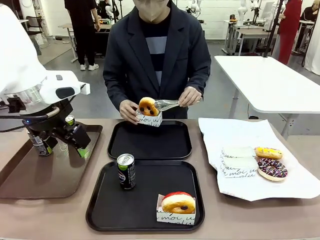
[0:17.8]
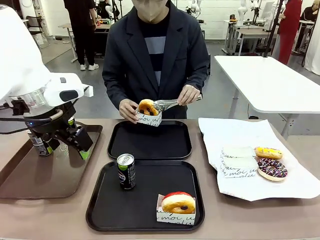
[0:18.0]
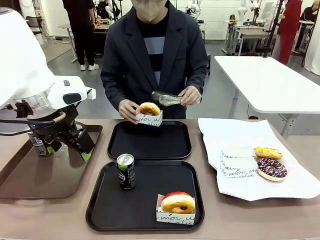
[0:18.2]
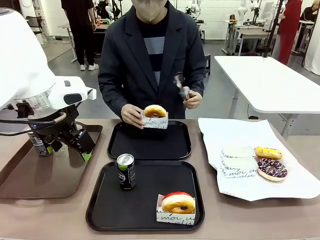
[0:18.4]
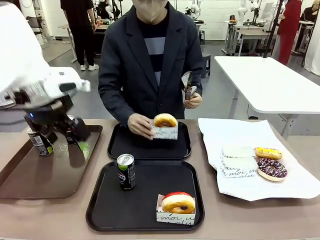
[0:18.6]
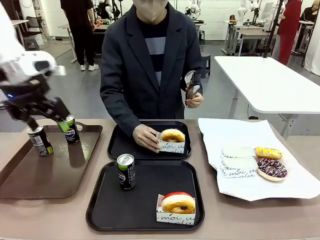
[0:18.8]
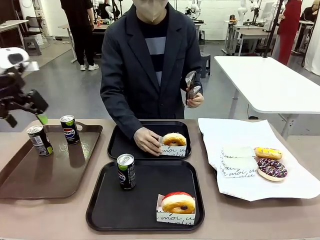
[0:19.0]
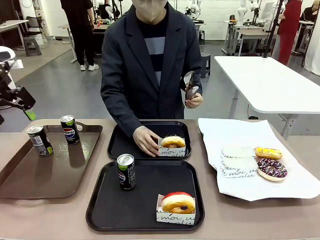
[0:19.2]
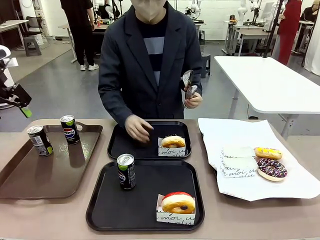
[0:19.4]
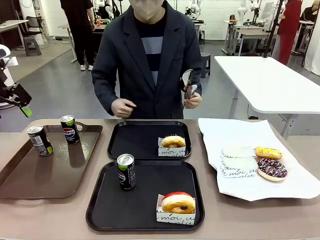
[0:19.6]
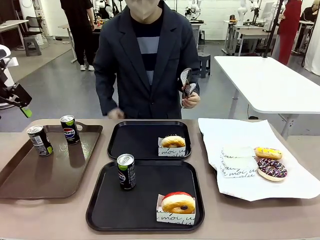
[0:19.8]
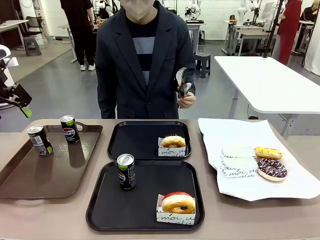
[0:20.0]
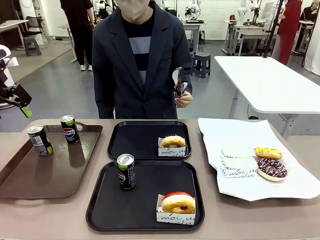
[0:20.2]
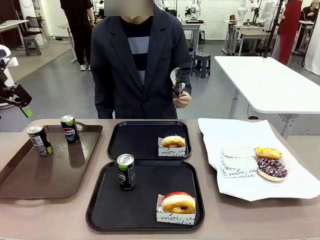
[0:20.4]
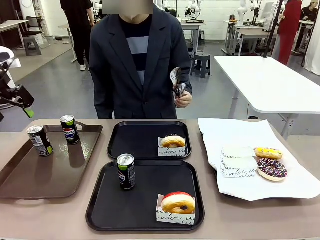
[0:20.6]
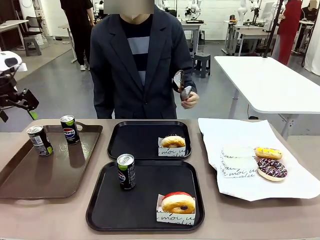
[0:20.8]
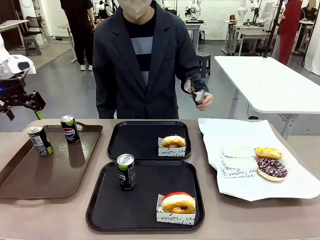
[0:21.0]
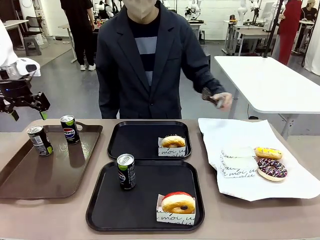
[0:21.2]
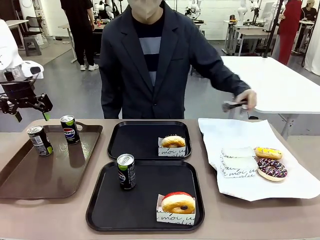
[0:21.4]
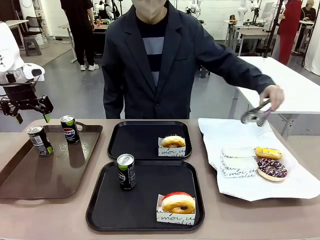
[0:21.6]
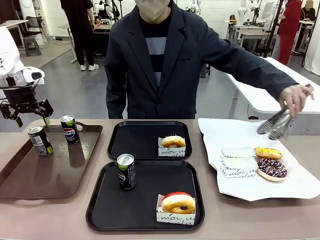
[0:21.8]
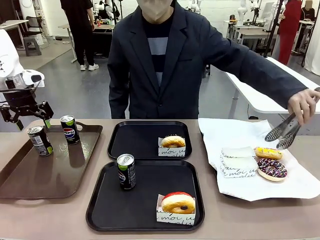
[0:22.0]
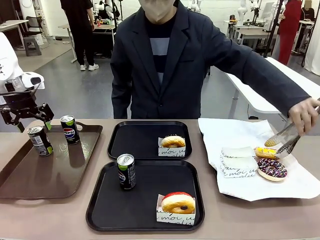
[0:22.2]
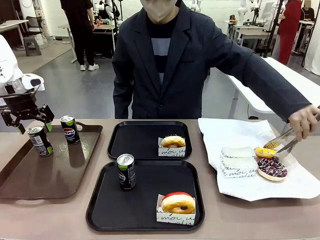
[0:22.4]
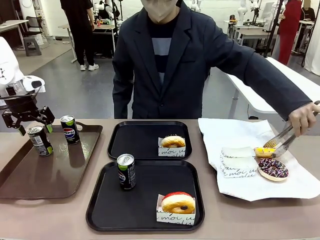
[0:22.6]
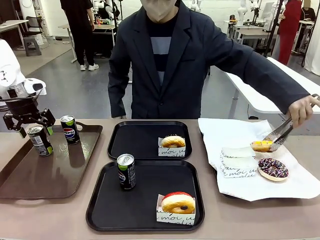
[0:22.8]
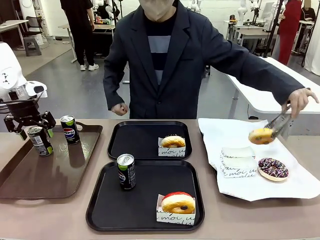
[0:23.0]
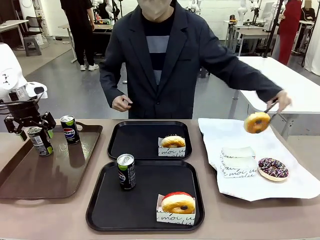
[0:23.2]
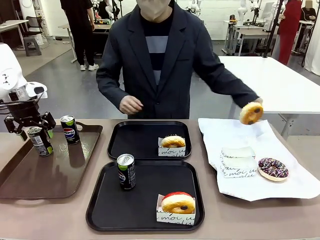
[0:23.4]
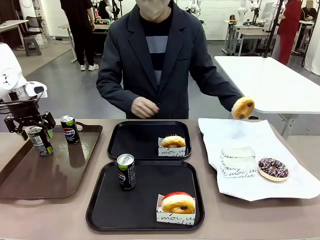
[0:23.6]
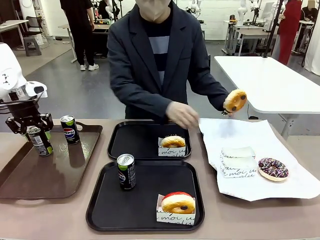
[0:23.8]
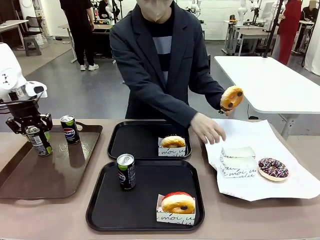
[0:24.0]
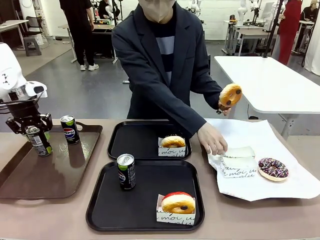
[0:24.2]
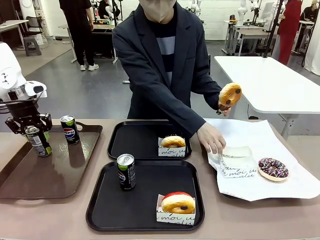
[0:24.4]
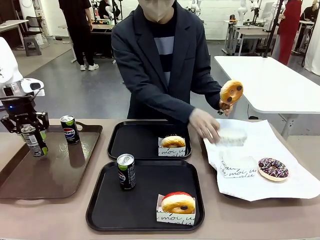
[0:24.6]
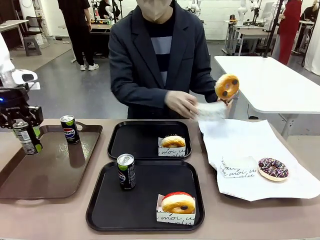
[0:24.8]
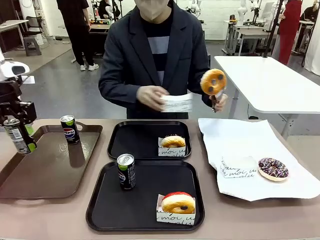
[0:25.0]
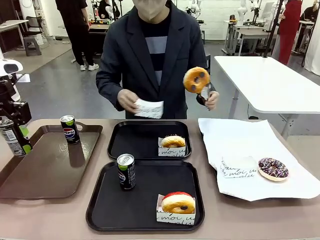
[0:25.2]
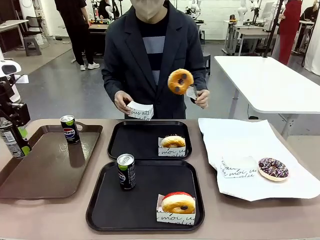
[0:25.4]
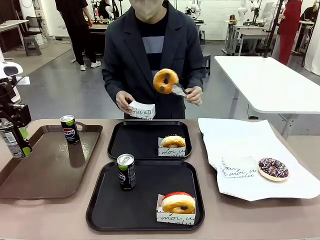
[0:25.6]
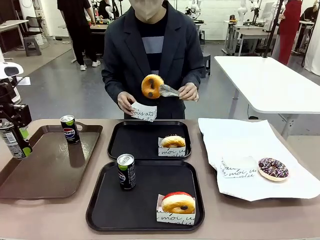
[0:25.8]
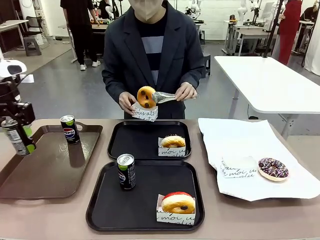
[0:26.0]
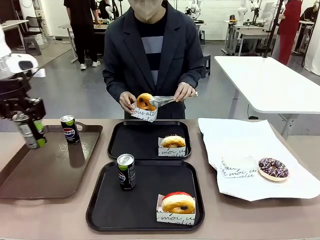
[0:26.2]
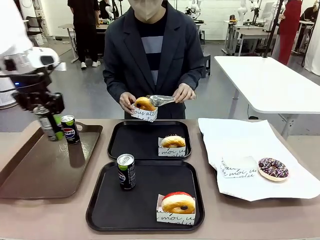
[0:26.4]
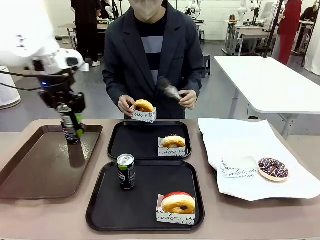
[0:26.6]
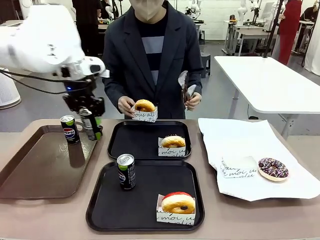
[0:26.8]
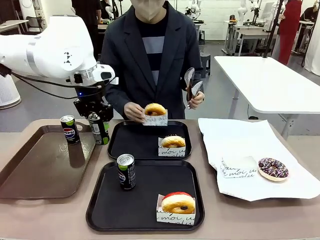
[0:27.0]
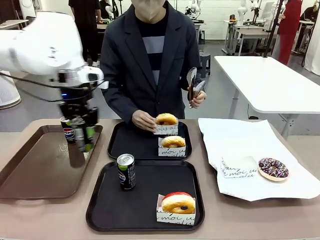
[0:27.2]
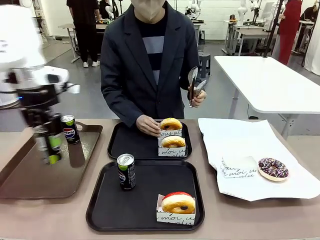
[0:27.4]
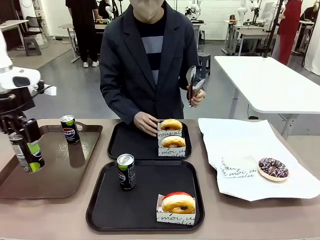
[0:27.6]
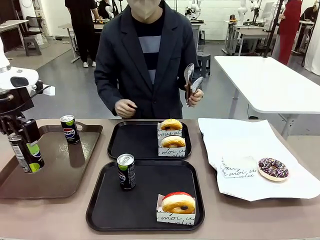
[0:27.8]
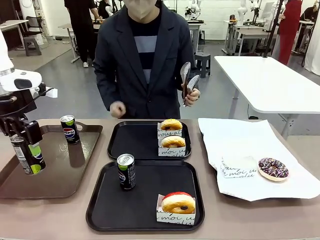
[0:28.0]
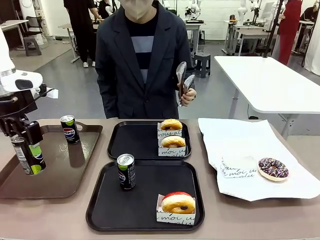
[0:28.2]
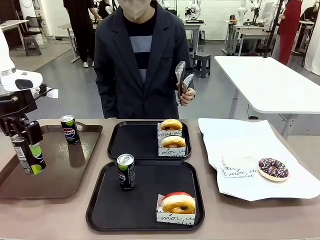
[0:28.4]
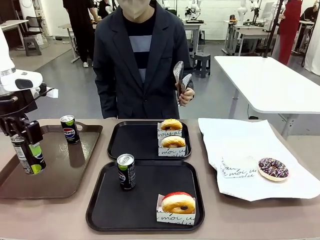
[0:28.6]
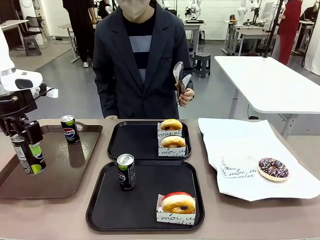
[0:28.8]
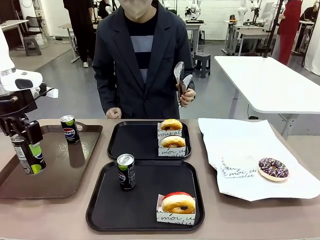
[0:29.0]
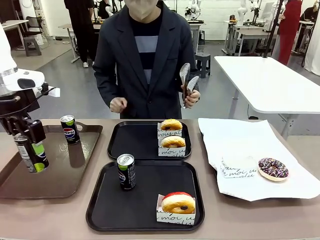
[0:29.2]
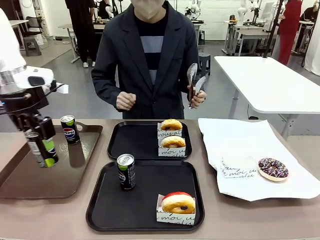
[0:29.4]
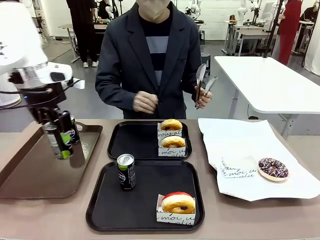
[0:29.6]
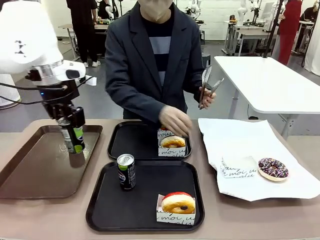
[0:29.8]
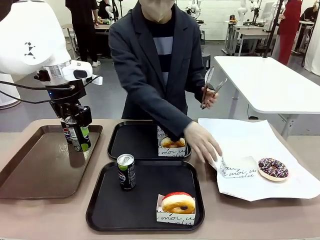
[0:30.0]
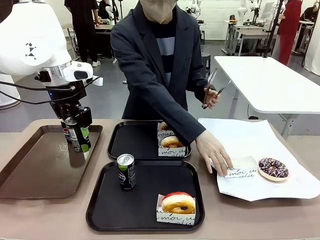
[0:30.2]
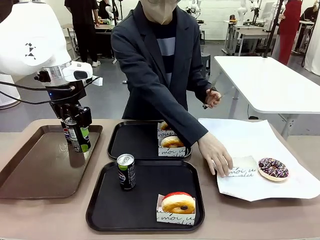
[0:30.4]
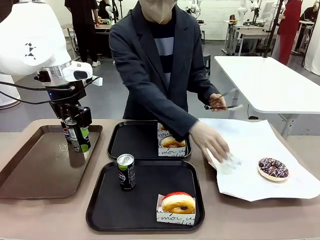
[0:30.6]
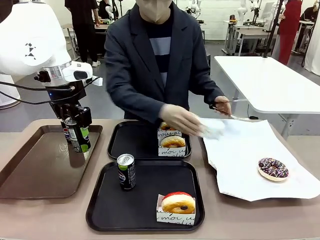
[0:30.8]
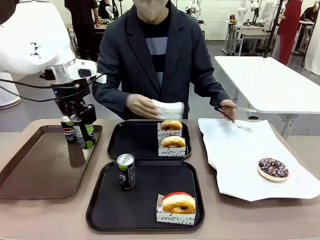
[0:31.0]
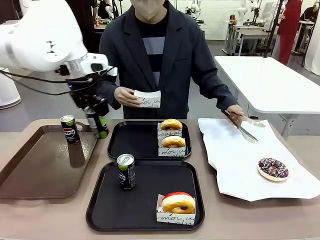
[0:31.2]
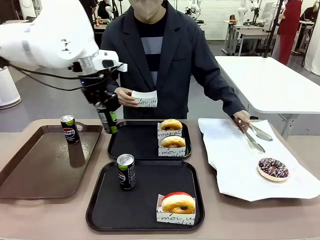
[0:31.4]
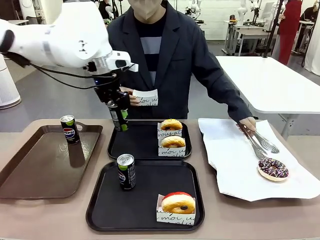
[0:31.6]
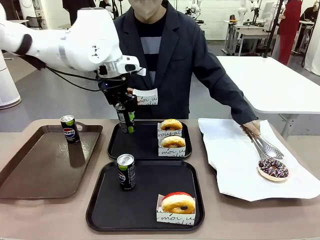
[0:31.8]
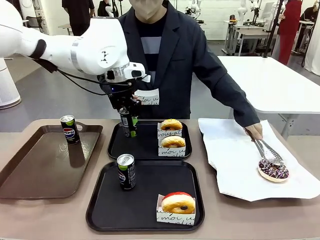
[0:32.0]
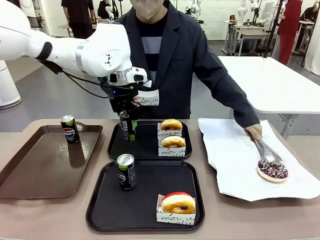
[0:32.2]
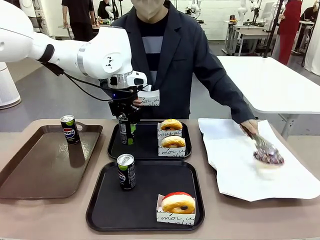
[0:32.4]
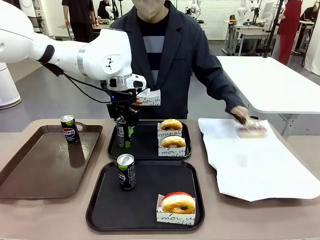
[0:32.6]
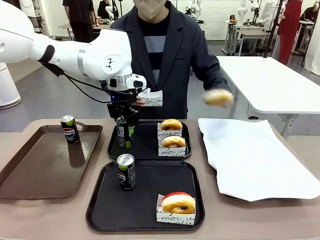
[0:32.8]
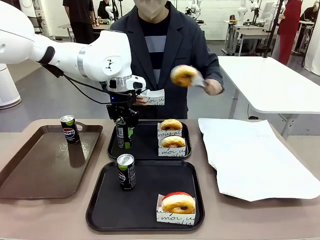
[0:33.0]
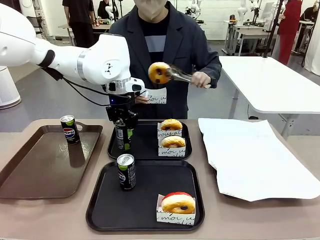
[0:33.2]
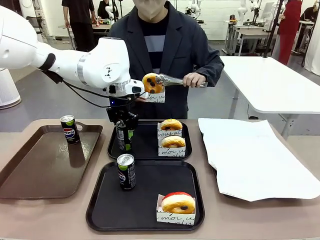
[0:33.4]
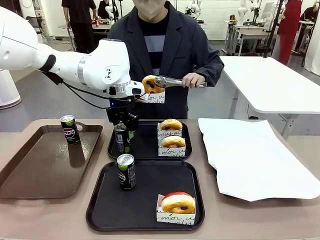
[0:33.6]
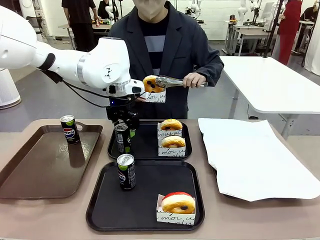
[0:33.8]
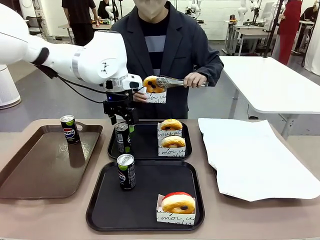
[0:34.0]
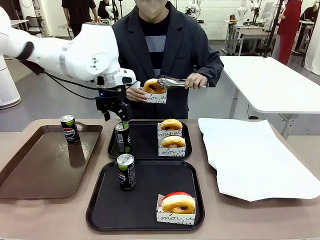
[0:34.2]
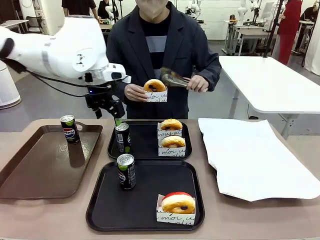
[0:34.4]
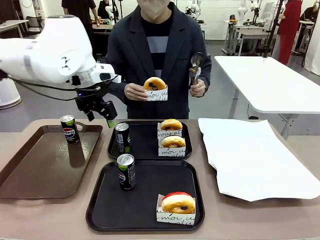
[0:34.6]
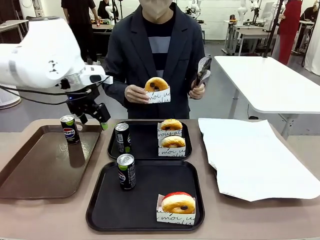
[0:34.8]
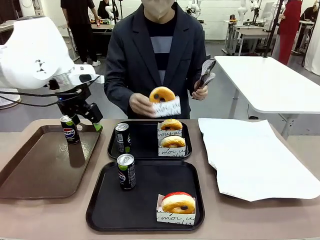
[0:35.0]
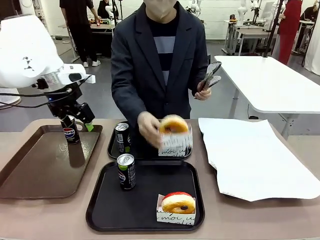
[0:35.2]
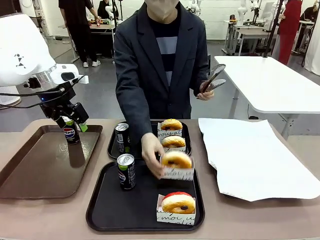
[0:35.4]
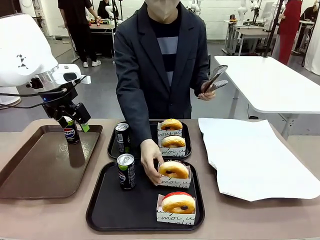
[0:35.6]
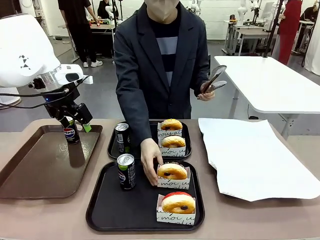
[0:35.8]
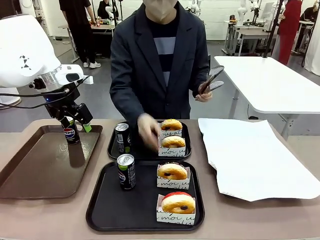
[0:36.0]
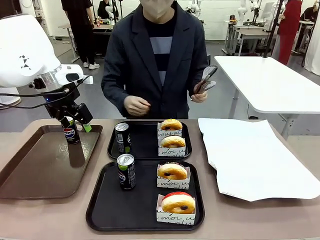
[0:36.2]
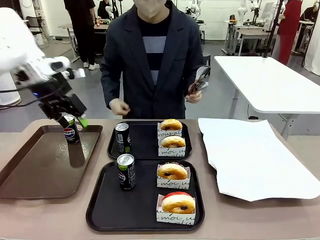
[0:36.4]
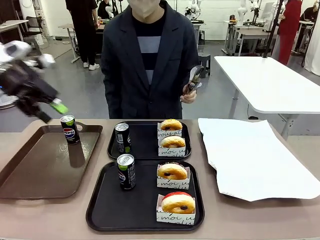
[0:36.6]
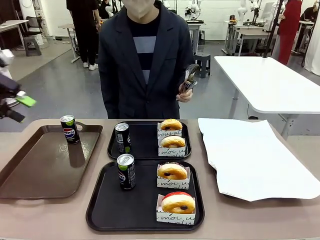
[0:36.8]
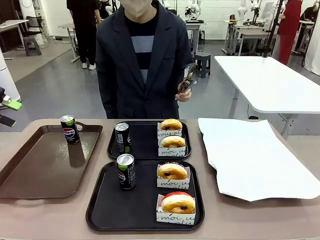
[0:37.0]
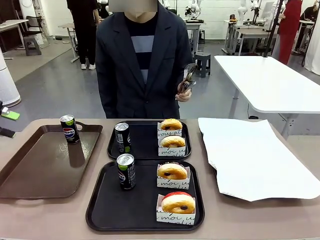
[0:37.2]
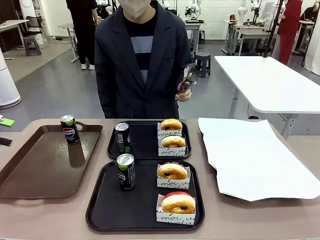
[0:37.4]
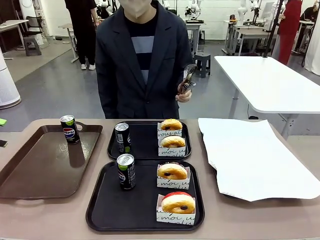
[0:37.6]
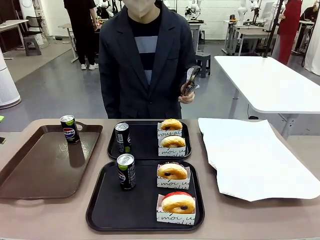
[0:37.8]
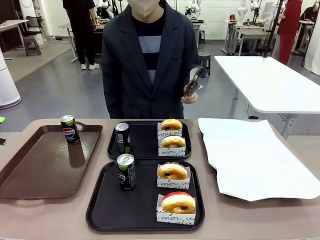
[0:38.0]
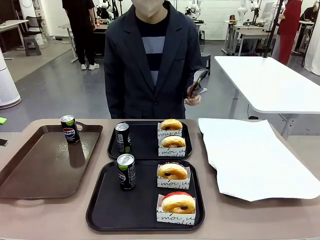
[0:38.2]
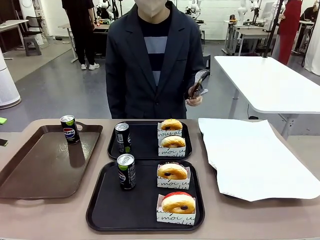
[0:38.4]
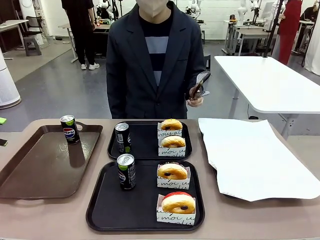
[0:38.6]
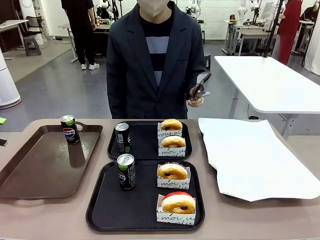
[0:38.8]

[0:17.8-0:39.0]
Task: Set up donuts and drinks on trays.
Robot: Pick up one Pepsi coke from the Handle tray and place it on the Flat Tray without a Pepsi coke.
Person: Pick up one donut with tongs, place it in the donut tray, and then place the donut tray on the flat tray.
